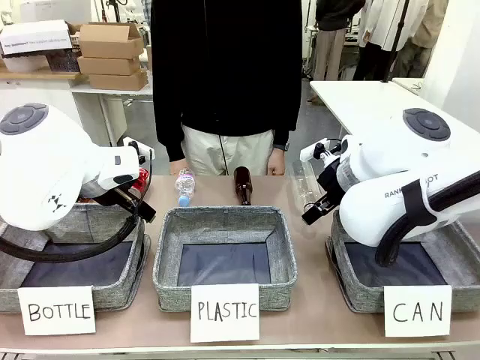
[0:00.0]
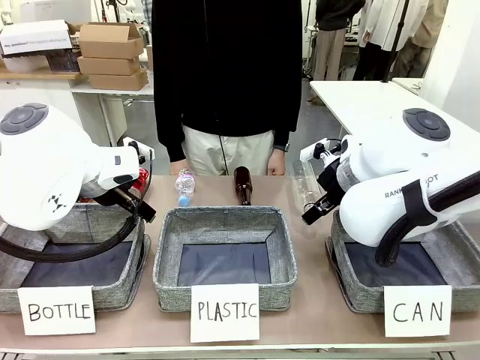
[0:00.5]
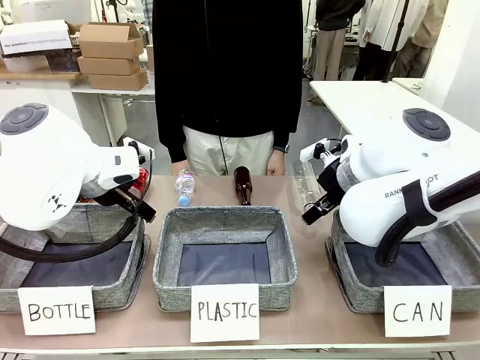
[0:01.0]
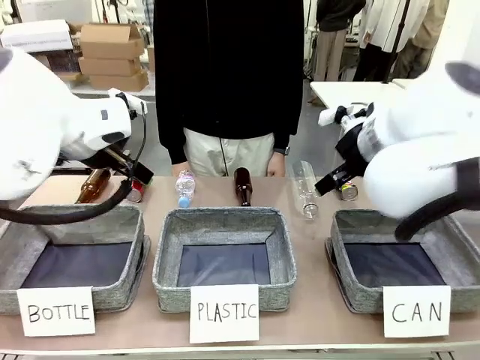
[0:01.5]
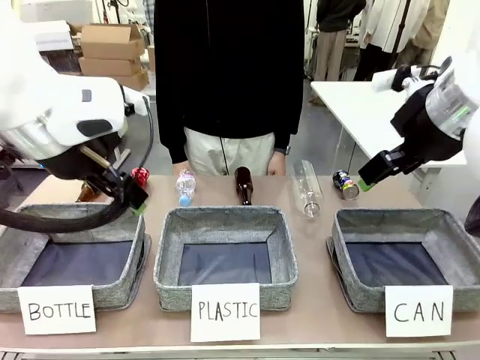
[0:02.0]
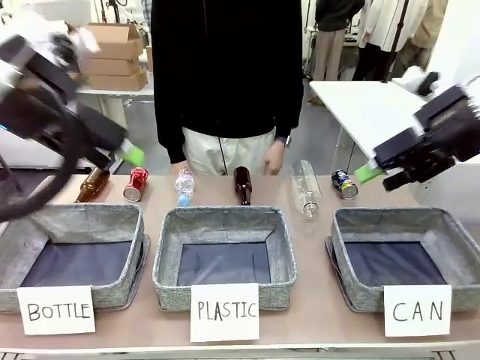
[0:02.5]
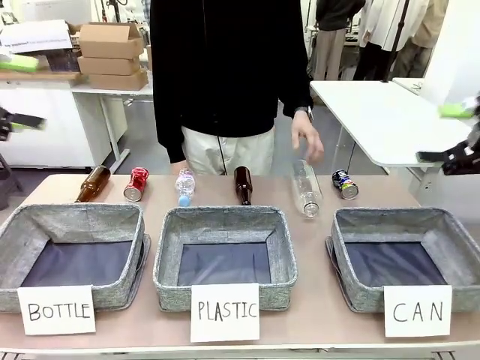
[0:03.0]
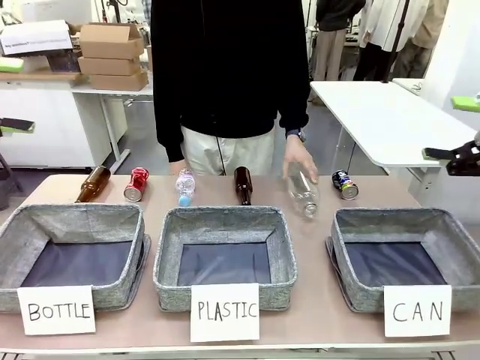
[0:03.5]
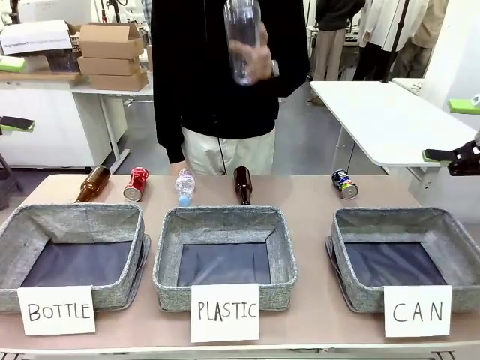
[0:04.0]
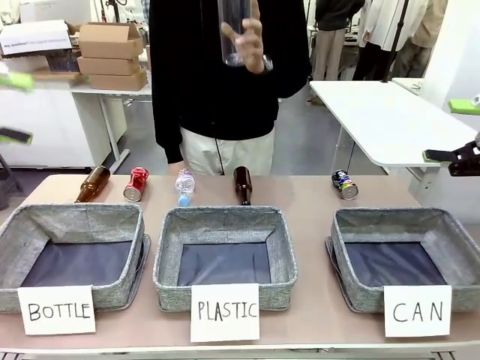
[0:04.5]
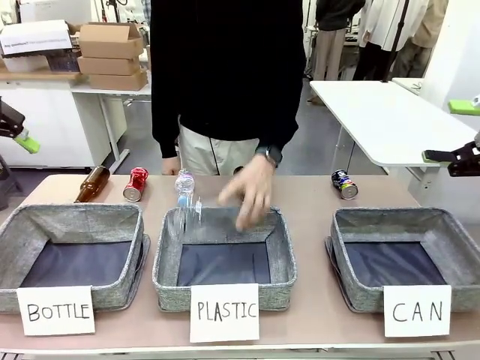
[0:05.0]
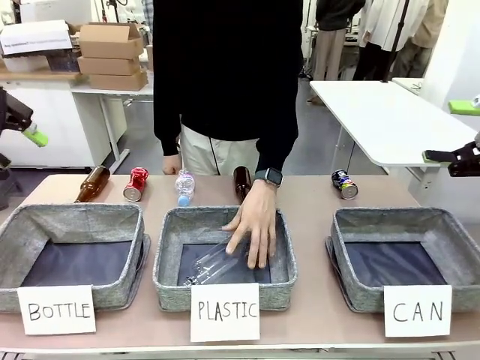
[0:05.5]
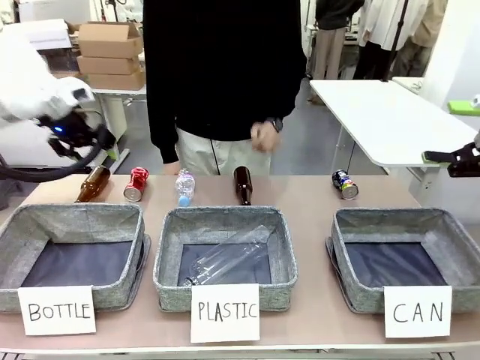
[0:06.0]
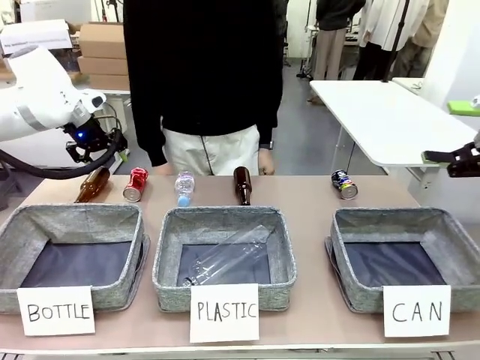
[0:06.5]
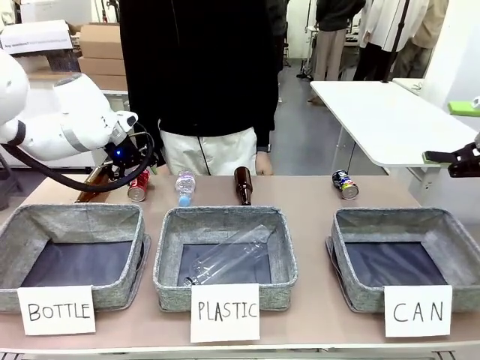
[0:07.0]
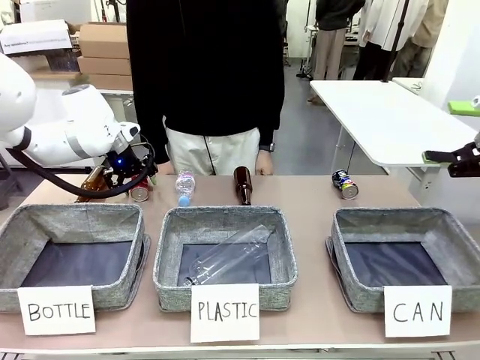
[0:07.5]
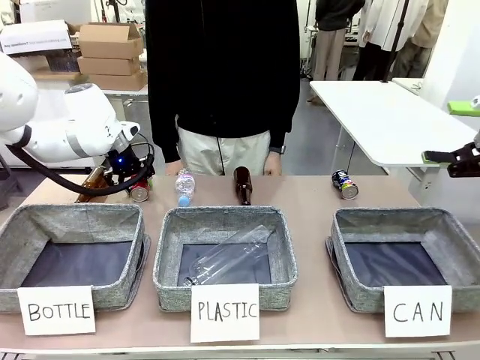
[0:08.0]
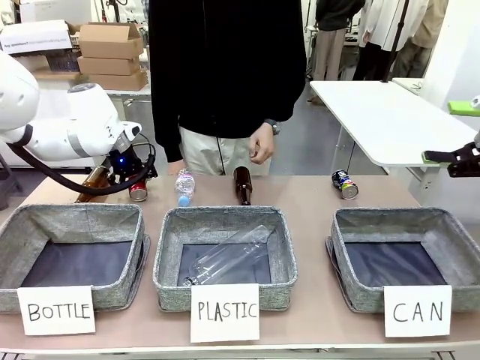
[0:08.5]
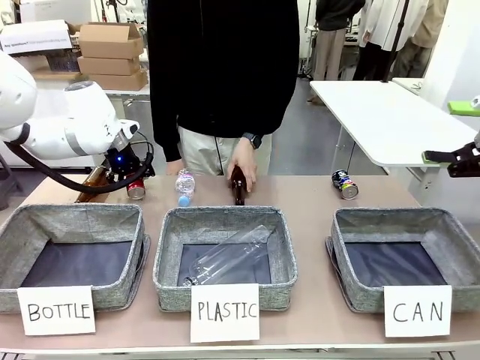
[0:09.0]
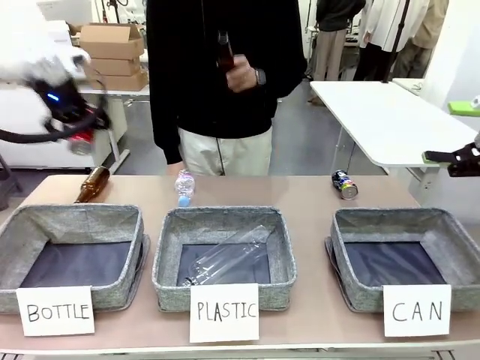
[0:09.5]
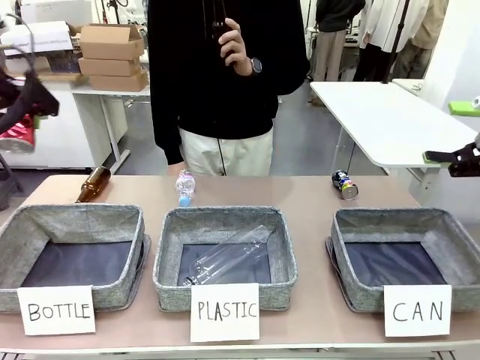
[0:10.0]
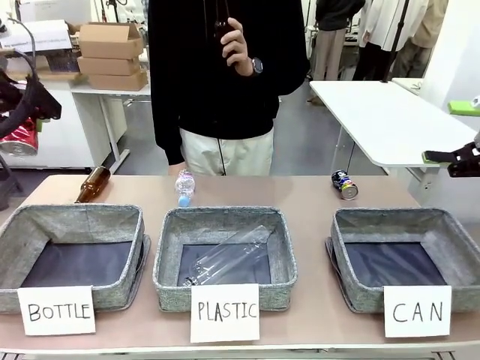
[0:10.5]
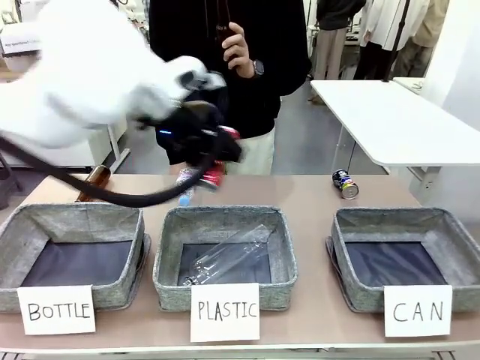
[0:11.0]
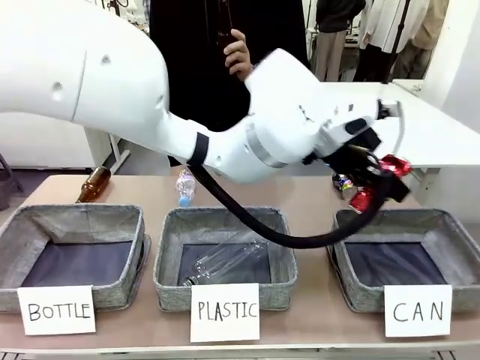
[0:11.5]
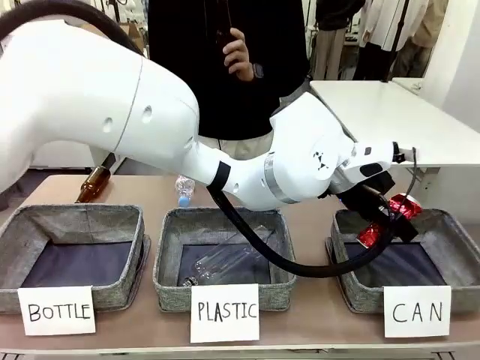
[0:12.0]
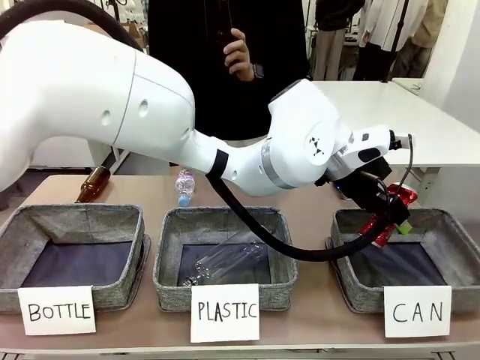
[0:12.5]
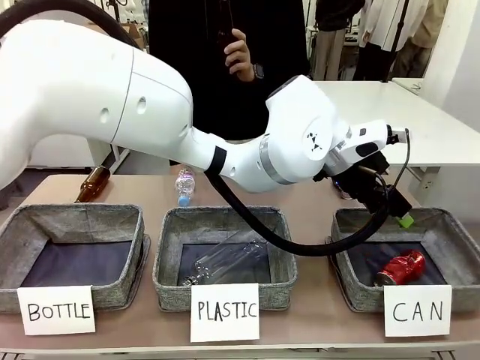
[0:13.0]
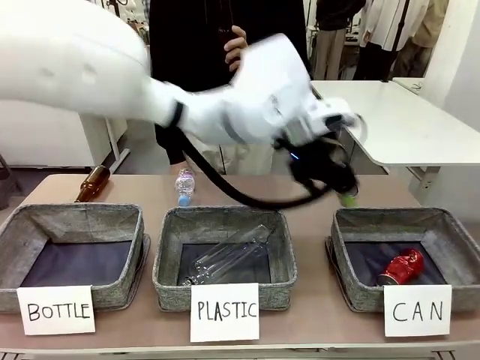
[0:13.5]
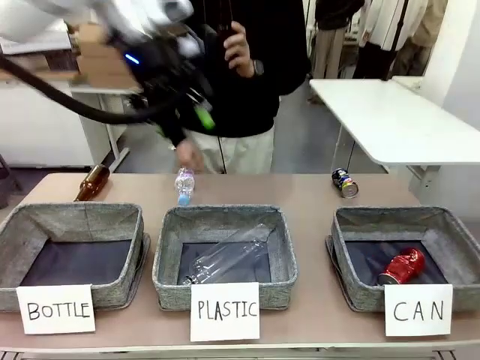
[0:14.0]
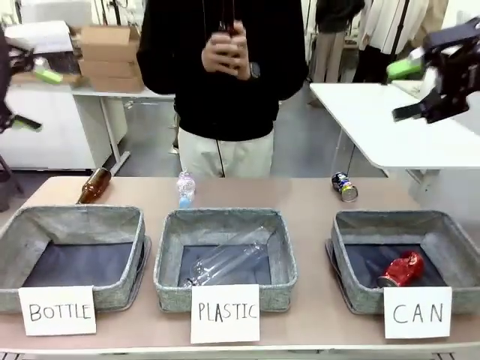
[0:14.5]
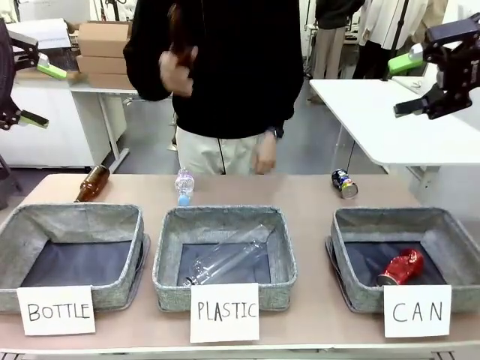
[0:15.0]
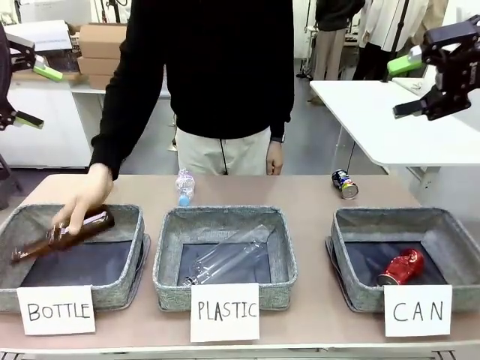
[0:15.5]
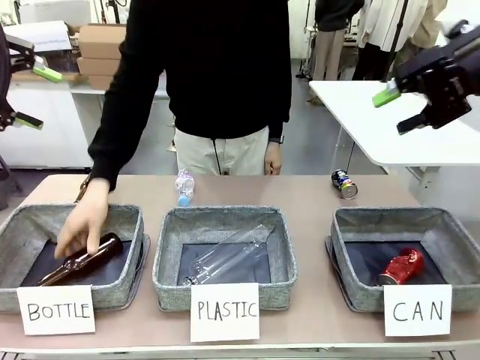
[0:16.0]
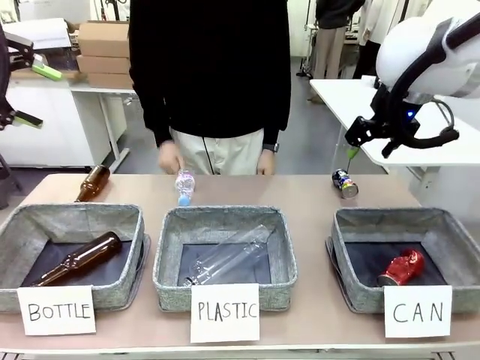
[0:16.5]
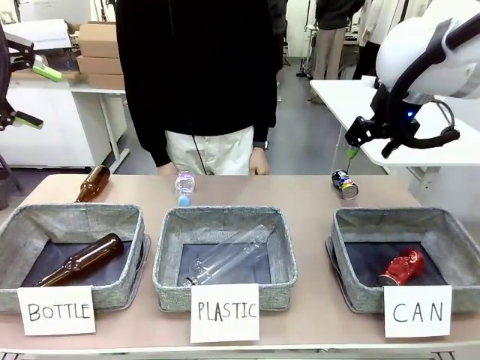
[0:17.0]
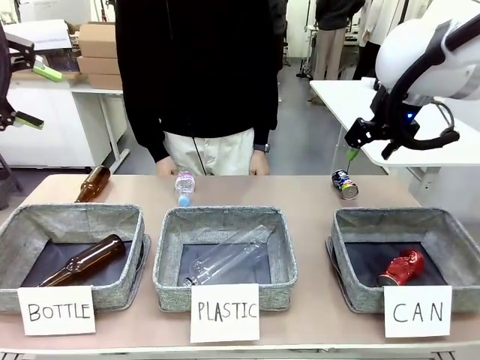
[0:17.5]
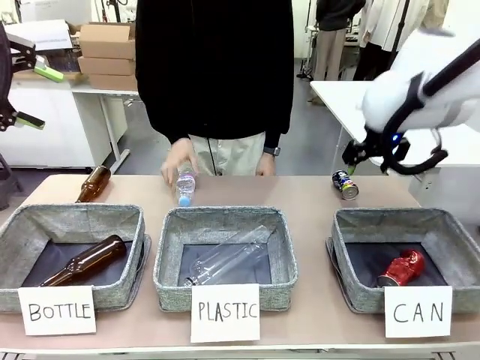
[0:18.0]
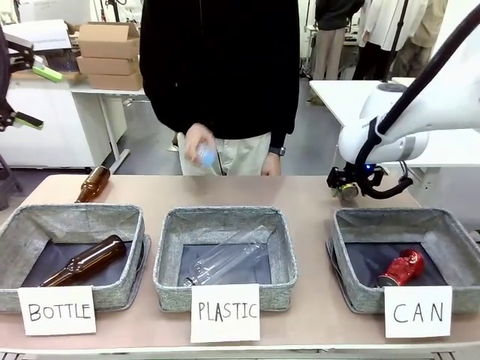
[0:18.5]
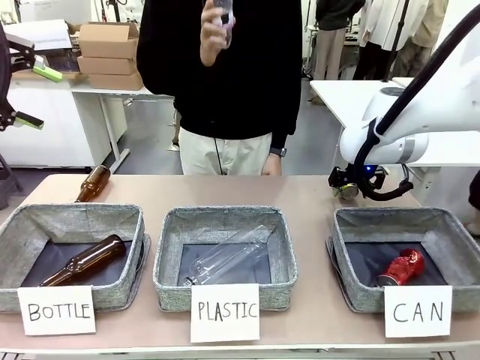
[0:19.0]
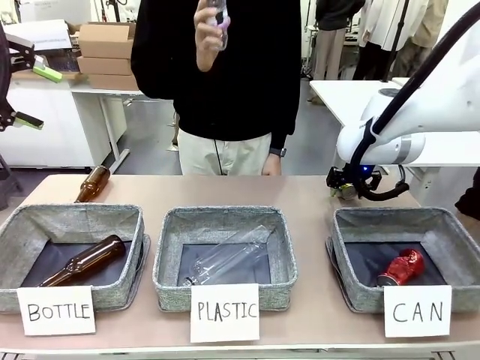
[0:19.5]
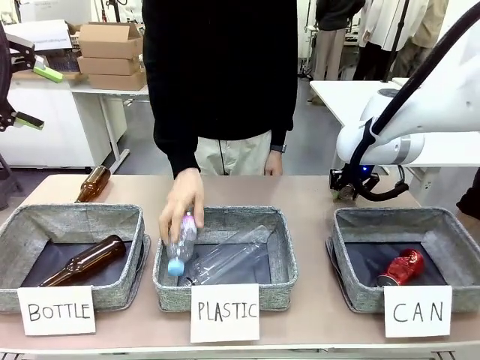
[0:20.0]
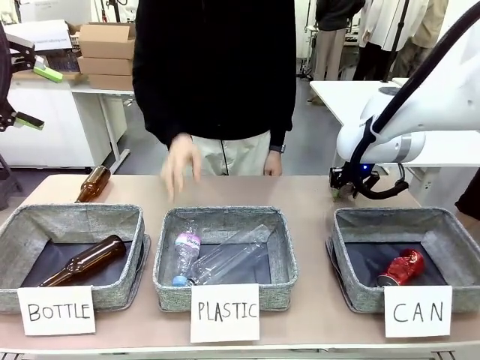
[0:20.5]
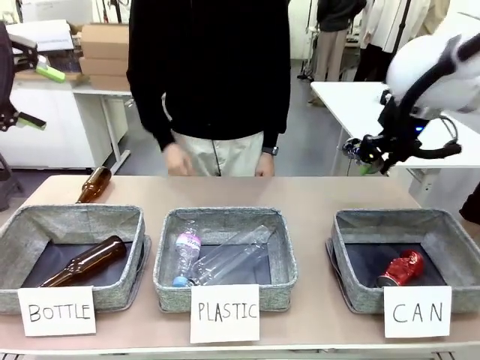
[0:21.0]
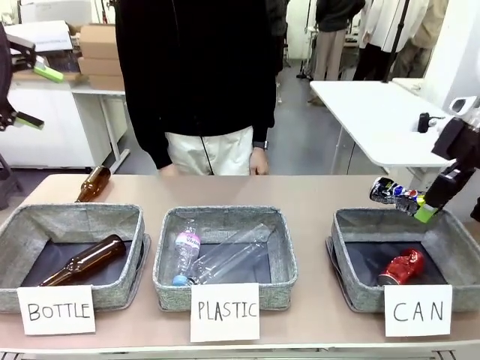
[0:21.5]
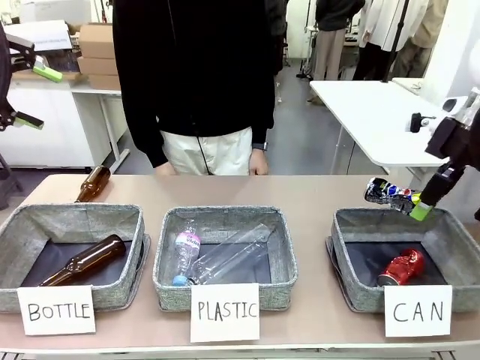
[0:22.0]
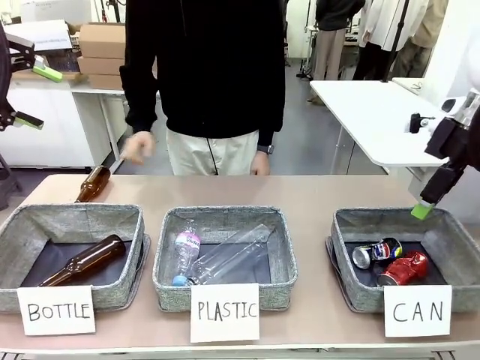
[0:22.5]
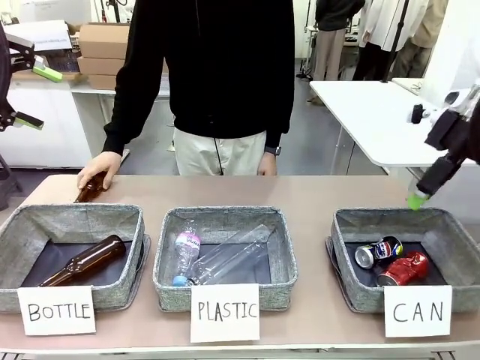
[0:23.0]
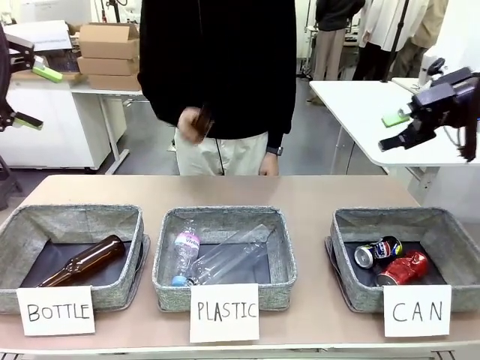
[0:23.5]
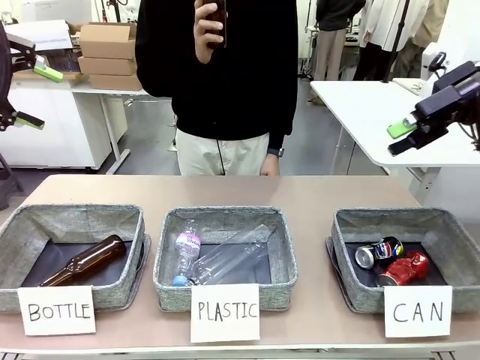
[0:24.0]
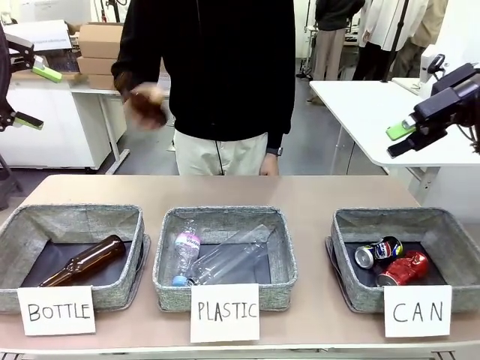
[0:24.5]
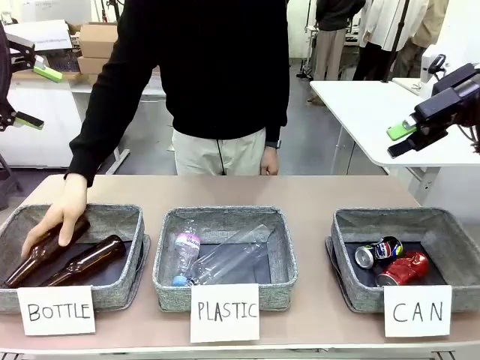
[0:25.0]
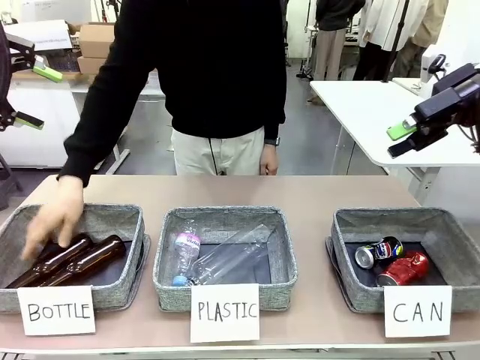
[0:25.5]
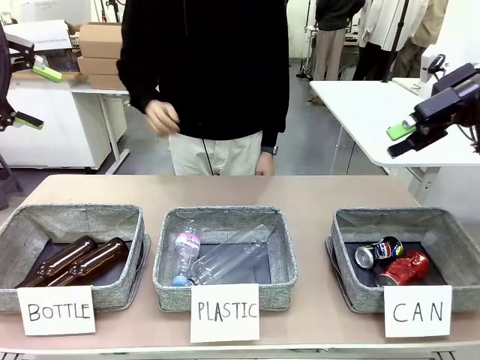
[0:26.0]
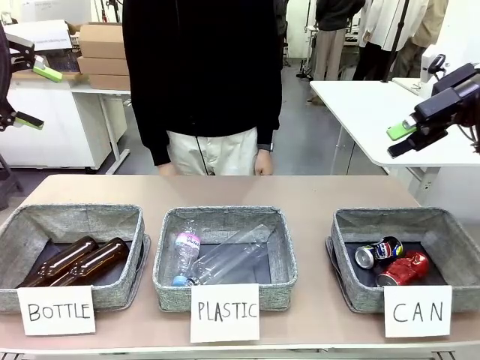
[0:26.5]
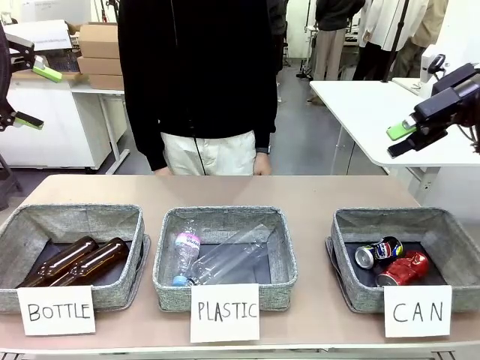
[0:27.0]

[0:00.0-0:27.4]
Task: Sort the can waste into the basket.
Robot: Pick up the can waste from the table and place it in the right Fabric basket.
Person: The human picks up one piece of trash that is not a can and places the trash into the appropriate organizing basket.
